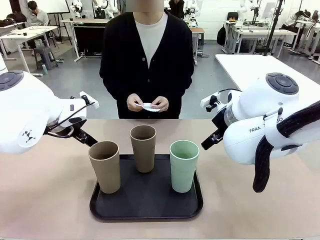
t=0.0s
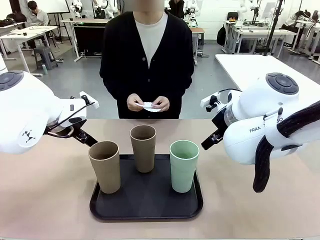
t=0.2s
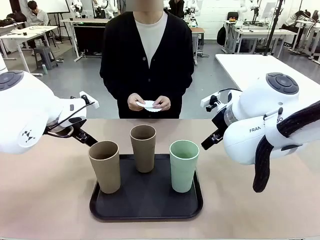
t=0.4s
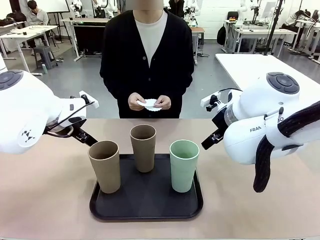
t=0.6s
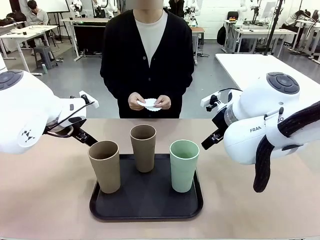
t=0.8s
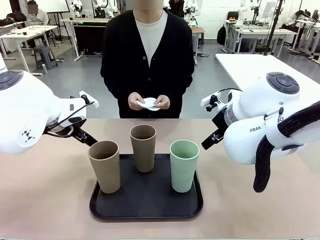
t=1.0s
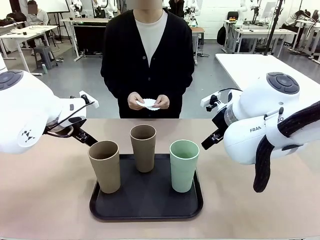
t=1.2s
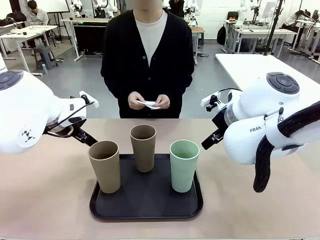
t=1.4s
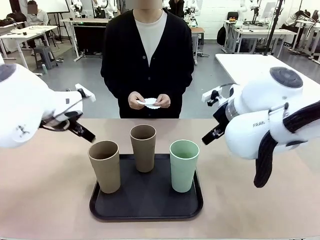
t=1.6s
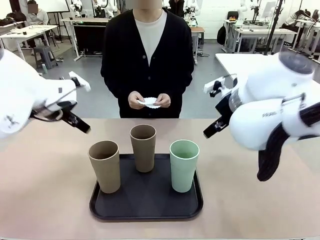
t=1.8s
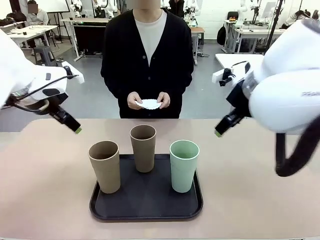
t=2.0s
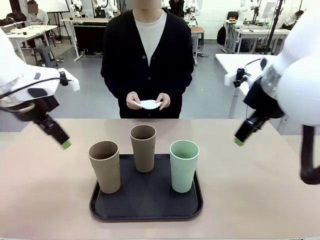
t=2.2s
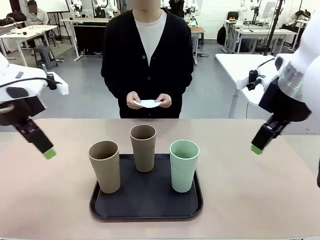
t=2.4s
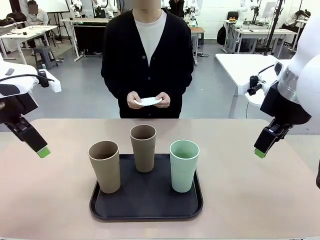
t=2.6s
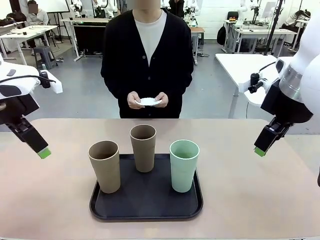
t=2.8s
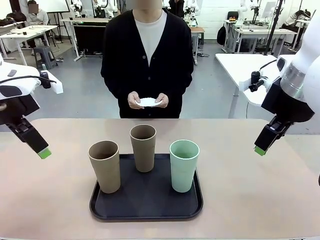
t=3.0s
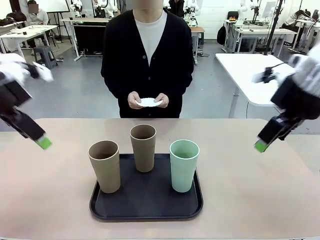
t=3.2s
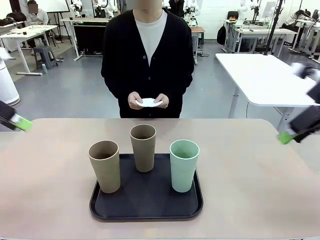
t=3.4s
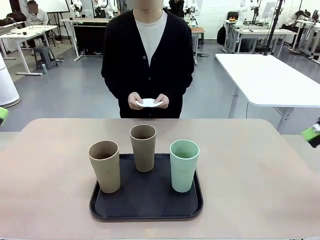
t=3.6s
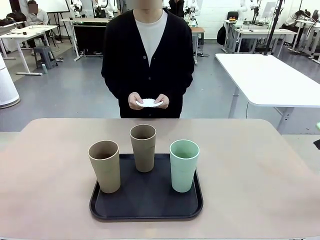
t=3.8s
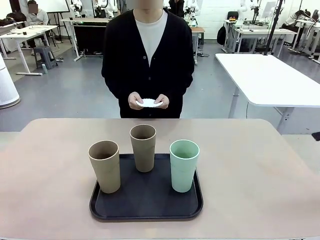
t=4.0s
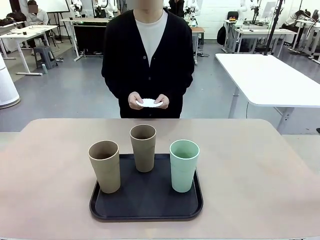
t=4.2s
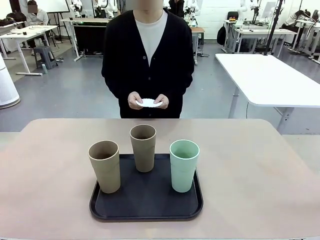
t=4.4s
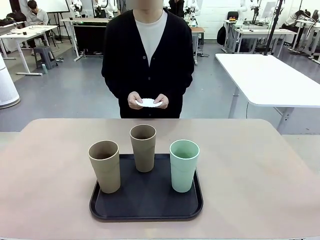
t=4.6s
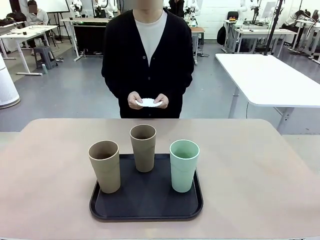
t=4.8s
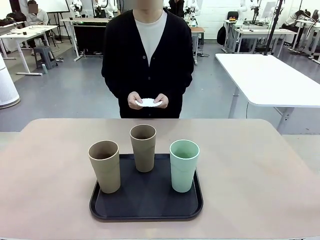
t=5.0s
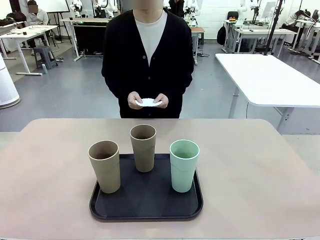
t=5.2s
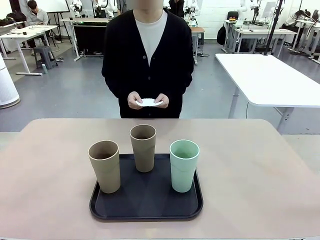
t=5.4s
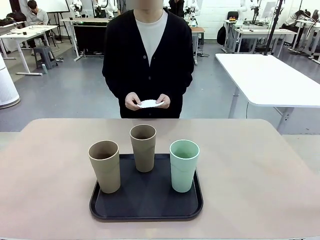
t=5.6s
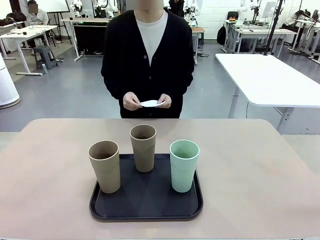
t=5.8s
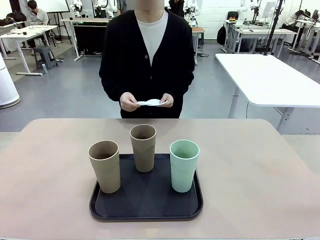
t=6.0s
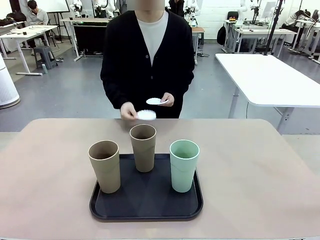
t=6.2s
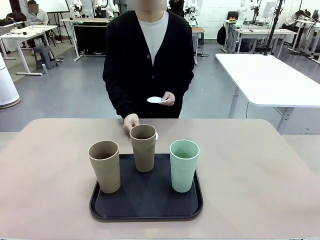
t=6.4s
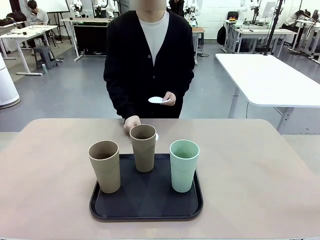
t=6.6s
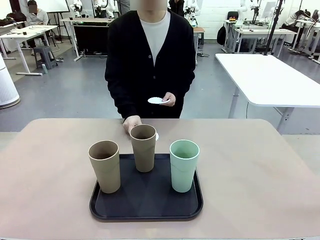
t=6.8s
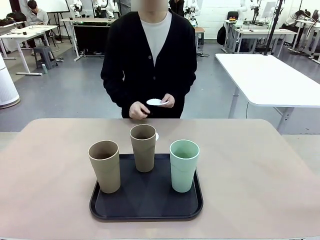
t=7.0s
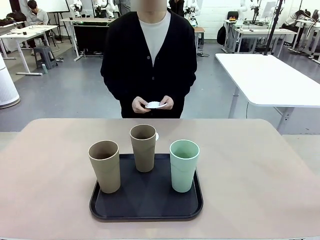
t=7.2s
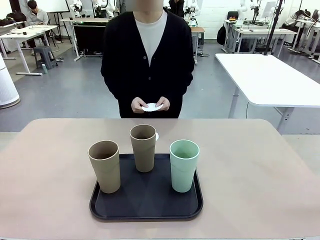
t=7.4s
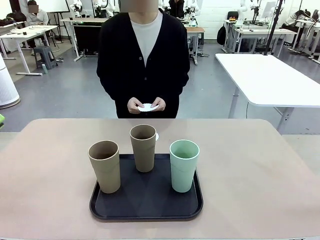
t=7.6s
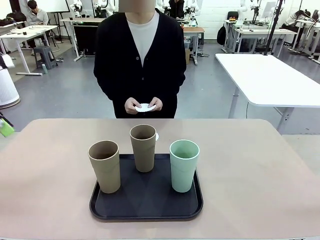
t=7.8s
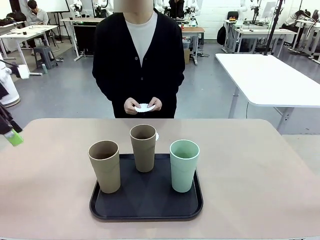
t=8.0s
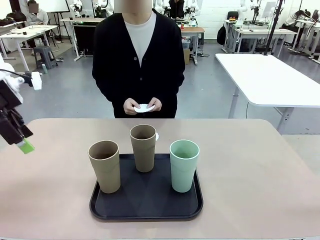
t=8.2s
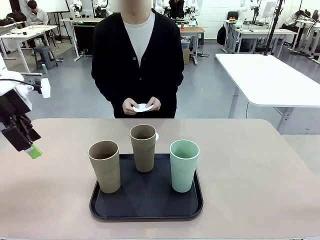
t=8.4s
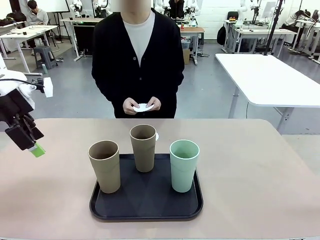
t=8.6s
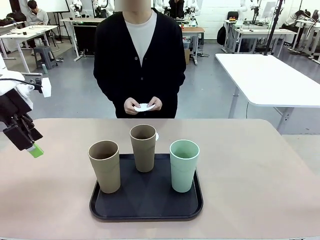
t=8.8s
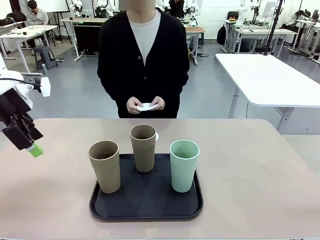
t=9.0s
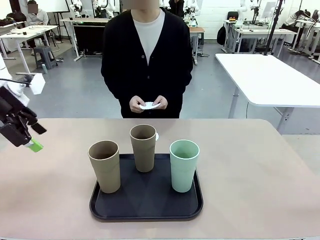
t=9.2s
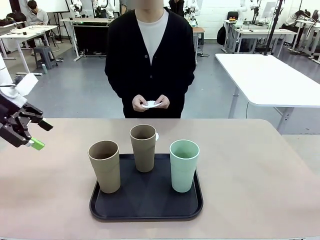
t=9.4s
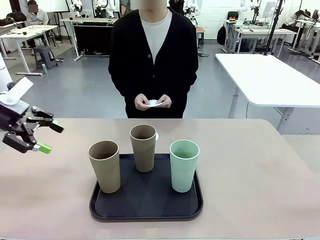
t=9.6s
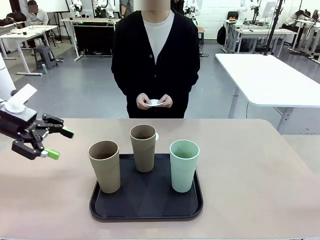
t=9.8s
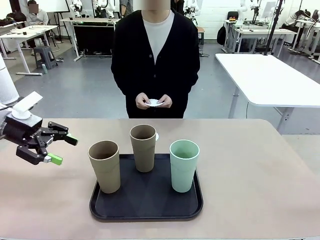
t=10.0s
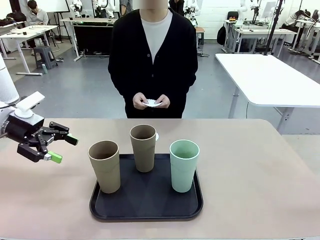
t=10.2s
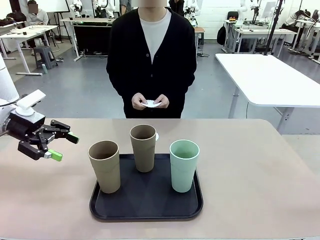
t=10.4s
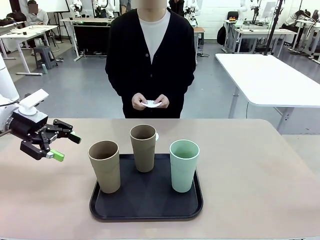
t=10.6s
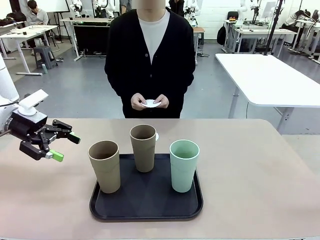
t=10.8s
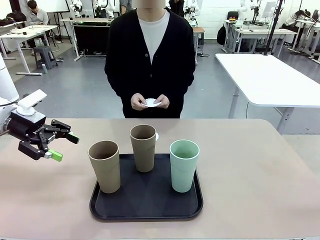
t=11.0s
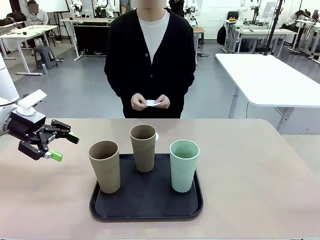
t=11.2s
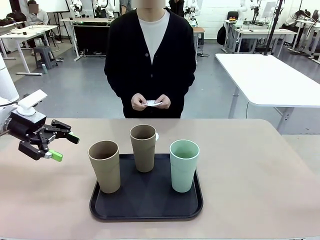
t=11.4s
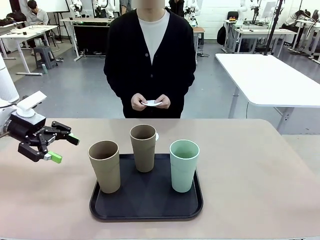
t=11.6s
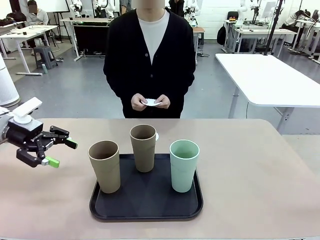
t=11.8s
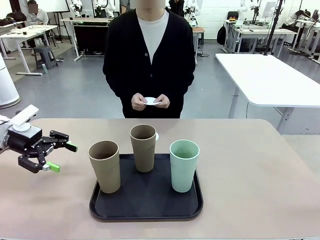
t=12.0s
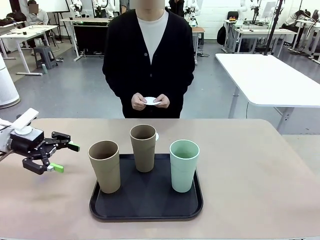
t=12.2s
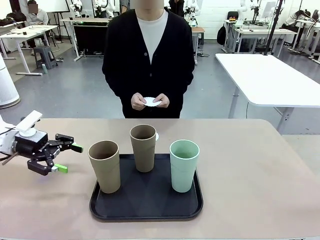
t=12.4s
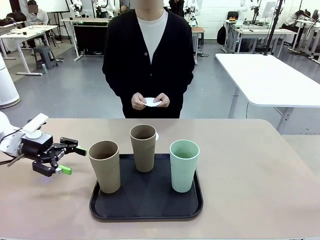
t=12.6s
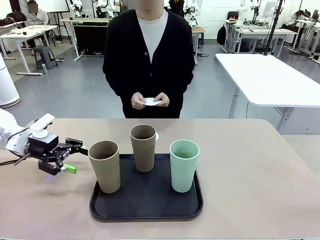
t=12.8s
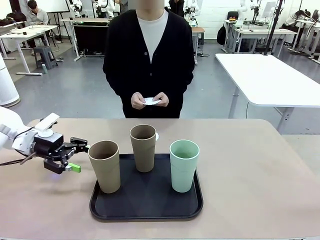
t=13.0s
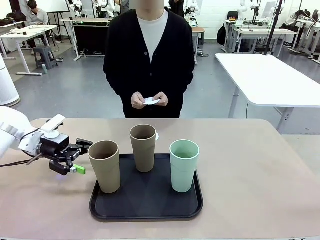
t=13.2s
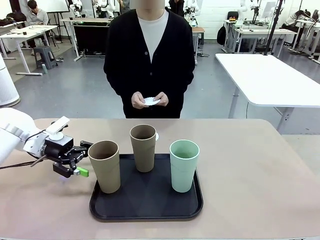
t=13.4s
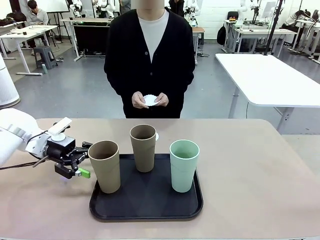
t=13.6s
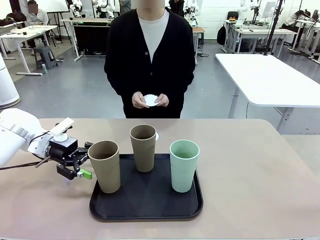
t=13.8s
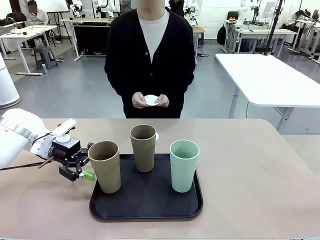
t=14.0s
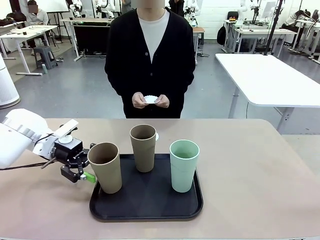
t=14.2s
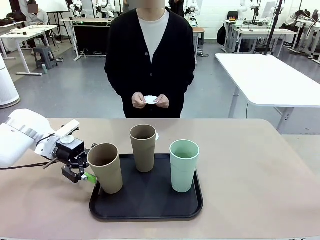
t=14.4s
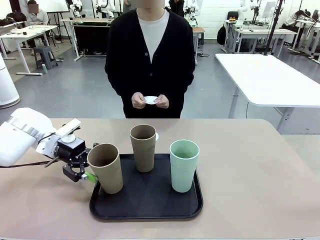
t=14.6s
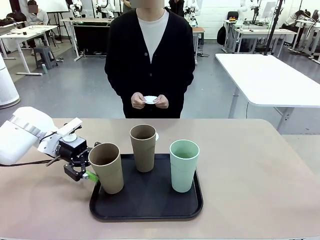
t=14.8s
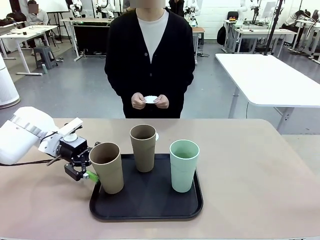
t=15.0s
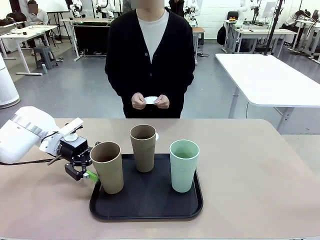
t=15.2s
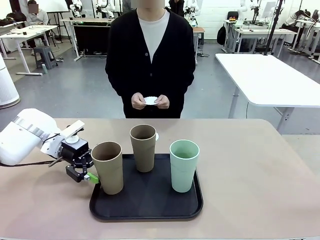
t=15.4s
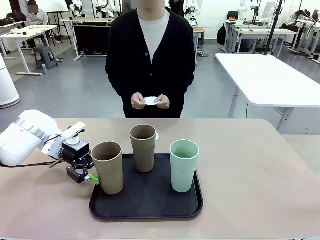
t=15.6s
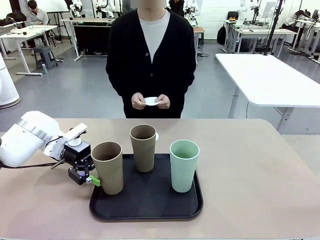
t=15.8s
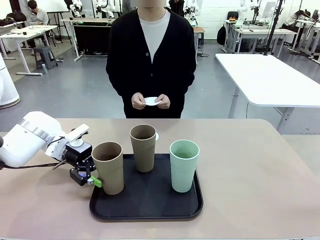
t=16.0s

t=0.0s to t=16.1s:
Task: Place coasters on the table and set cups on them.
Robot: Pick up one Reusable plastic cup and place it on a coaster set by the human.
Person: Place one coaster in any one of the three lower areas of the robot table (left, center, or right).
